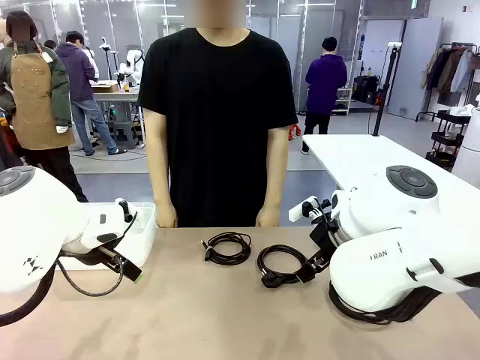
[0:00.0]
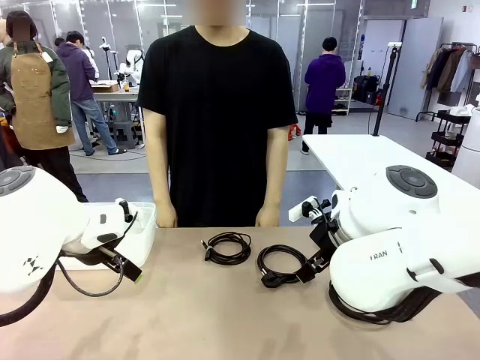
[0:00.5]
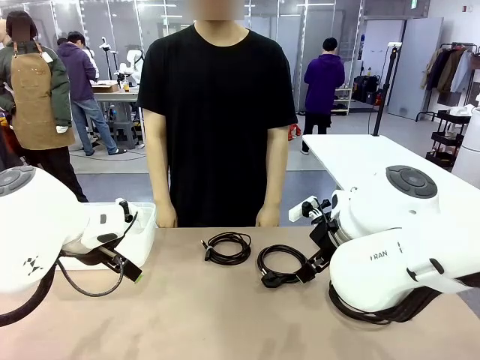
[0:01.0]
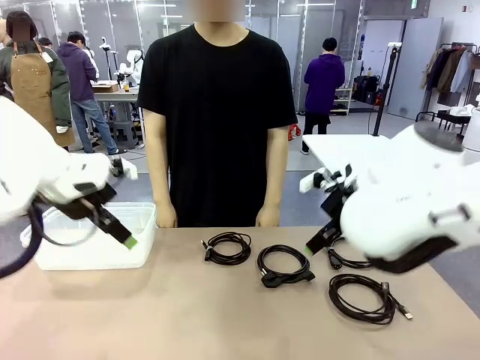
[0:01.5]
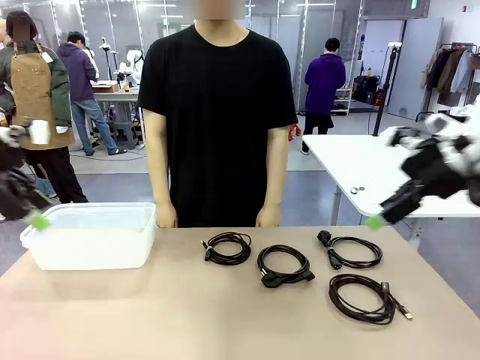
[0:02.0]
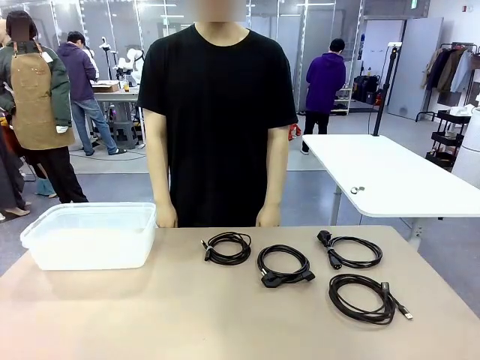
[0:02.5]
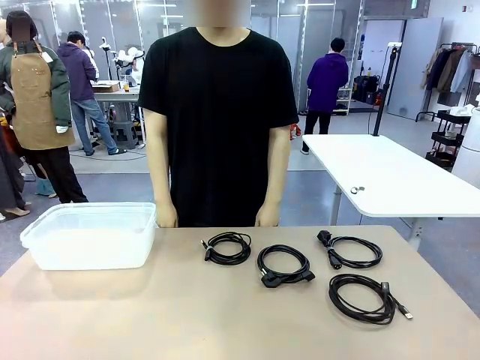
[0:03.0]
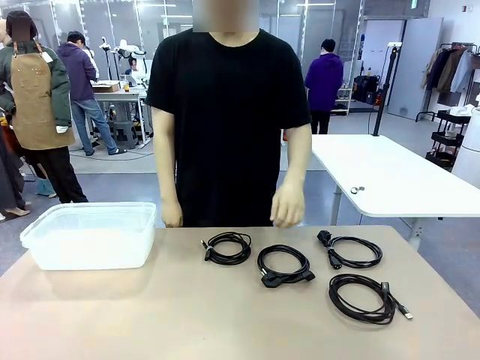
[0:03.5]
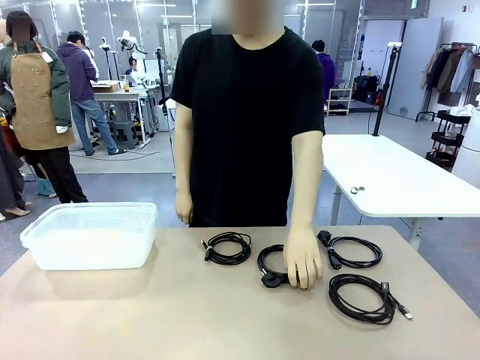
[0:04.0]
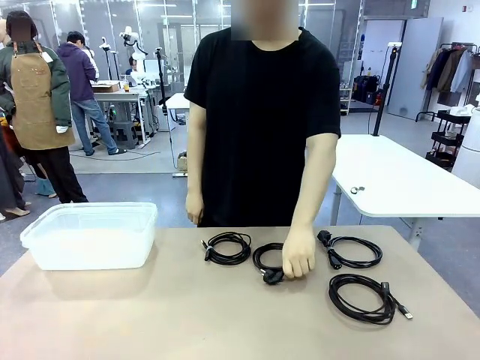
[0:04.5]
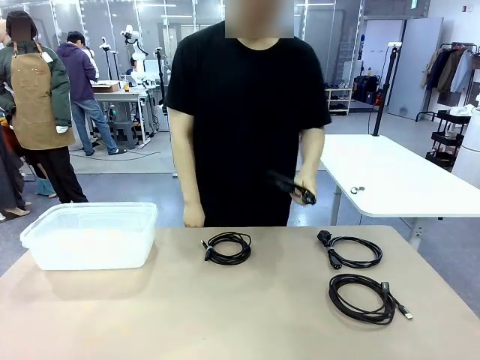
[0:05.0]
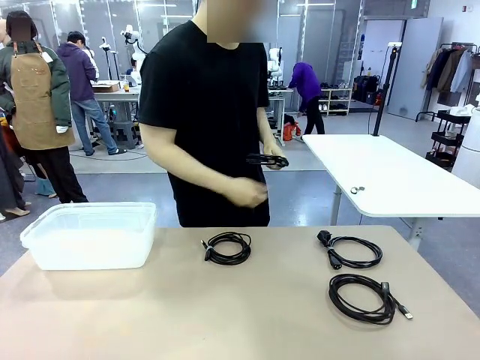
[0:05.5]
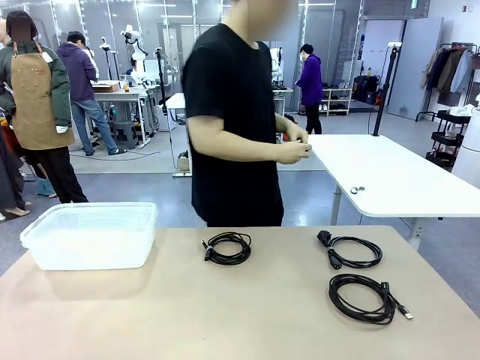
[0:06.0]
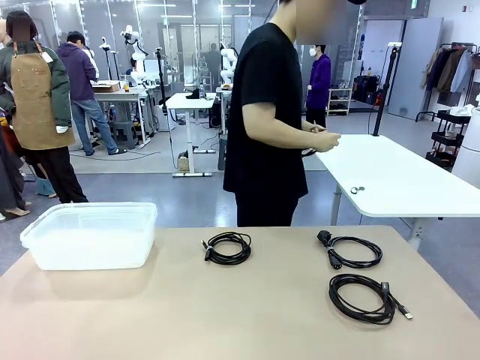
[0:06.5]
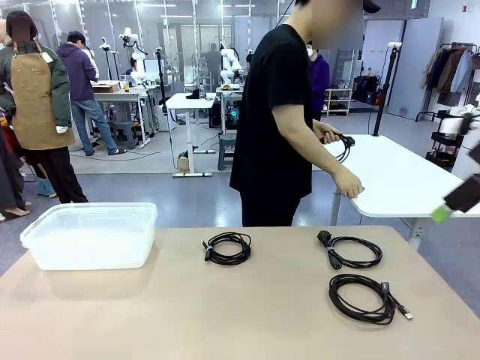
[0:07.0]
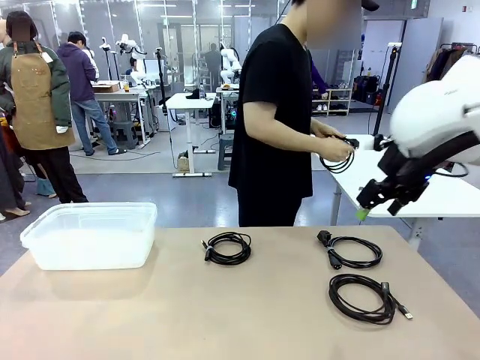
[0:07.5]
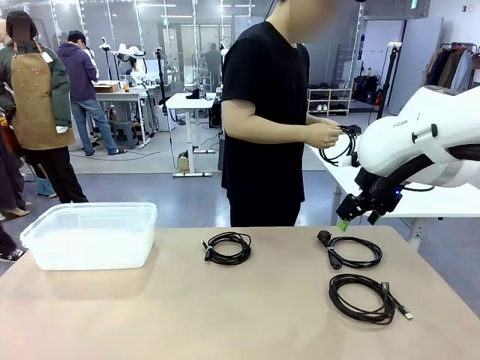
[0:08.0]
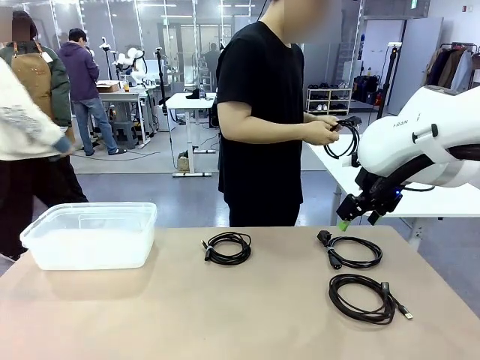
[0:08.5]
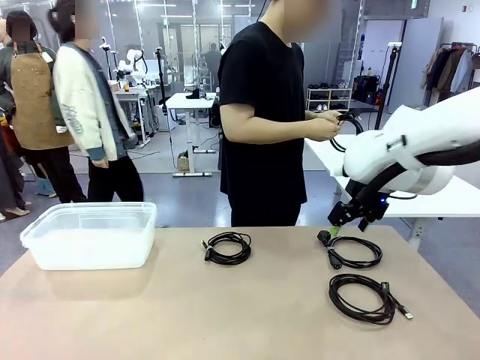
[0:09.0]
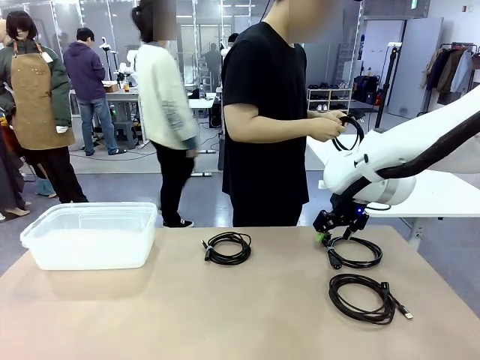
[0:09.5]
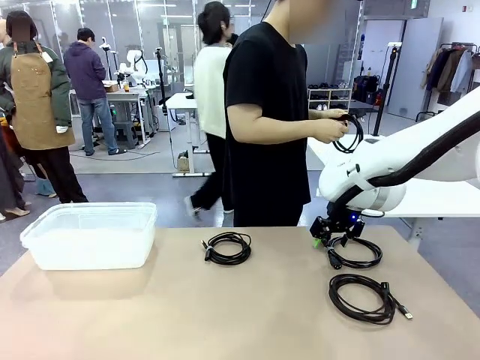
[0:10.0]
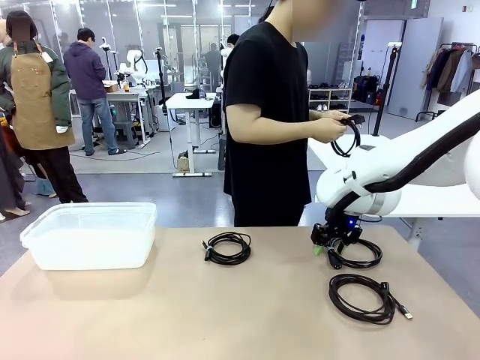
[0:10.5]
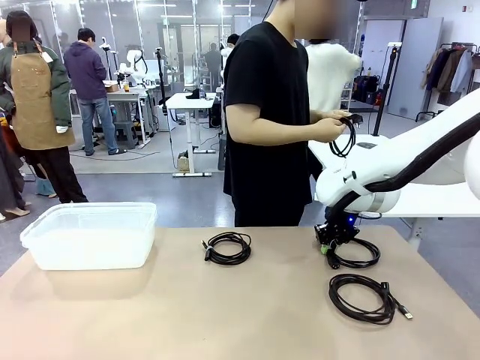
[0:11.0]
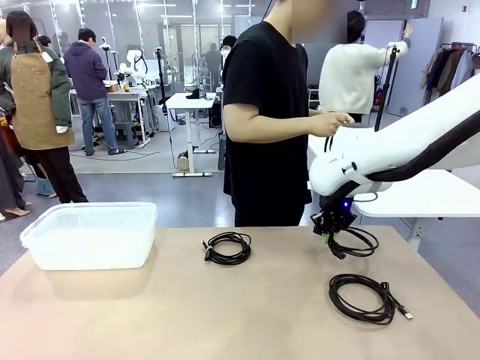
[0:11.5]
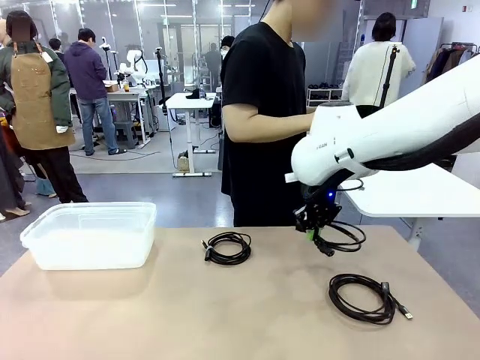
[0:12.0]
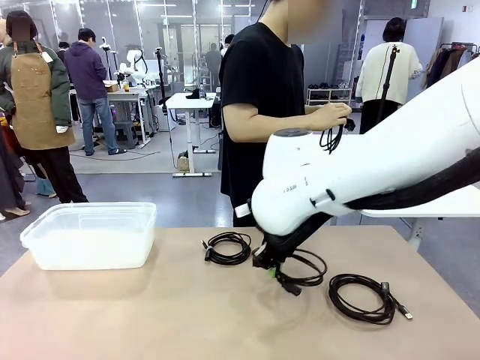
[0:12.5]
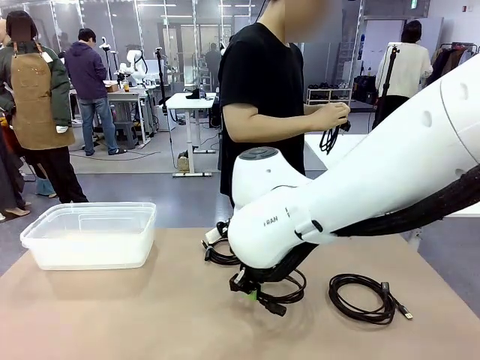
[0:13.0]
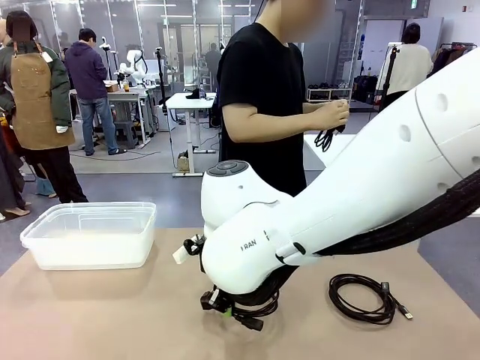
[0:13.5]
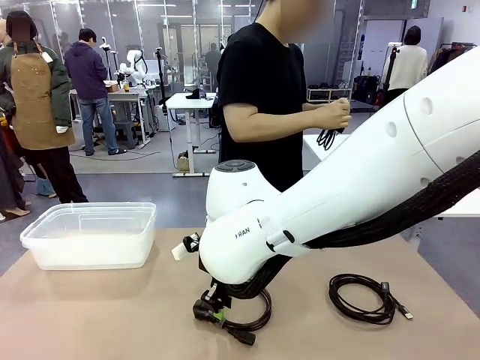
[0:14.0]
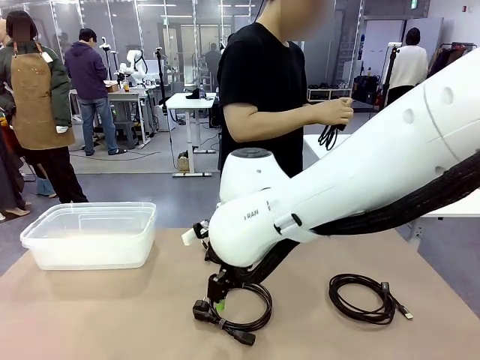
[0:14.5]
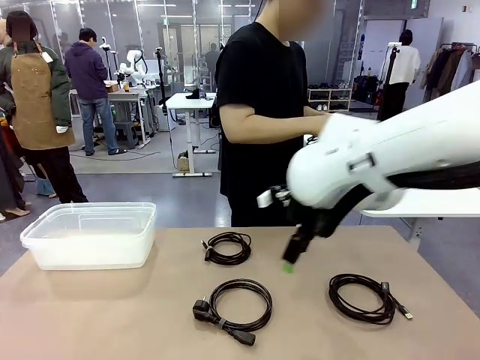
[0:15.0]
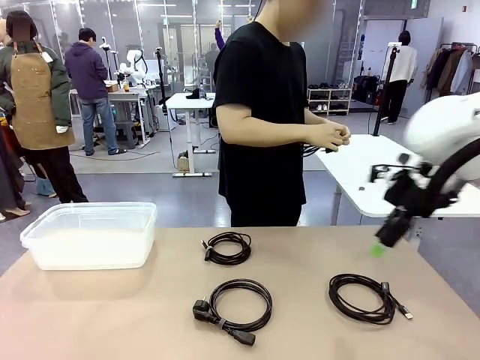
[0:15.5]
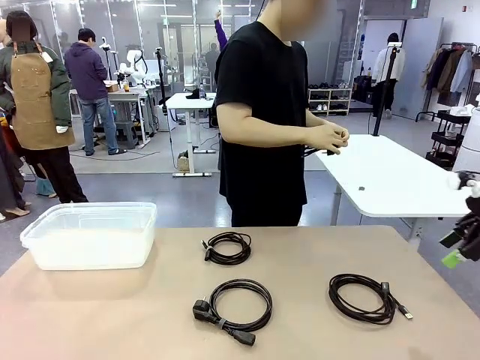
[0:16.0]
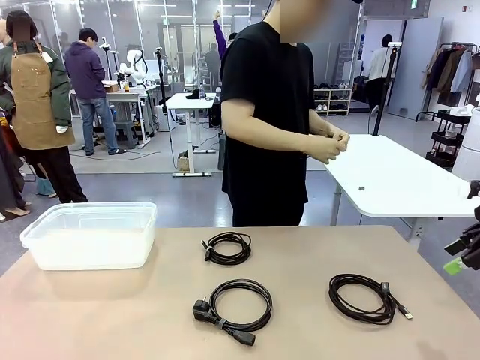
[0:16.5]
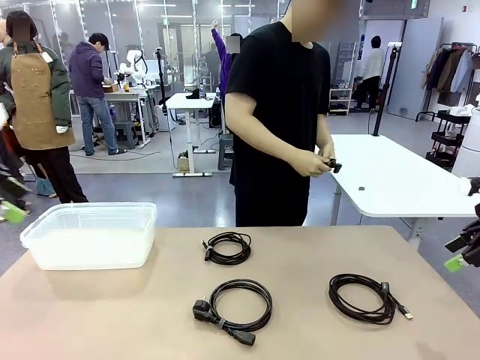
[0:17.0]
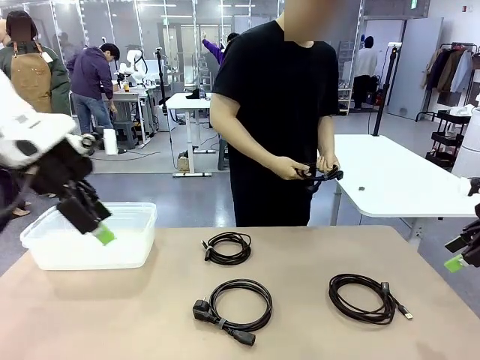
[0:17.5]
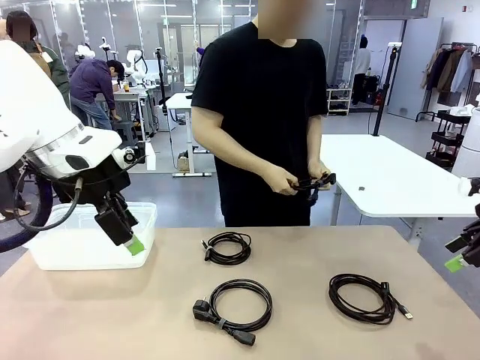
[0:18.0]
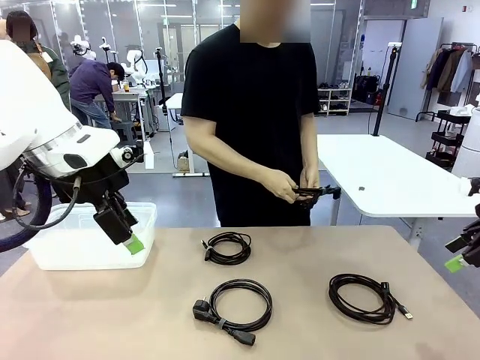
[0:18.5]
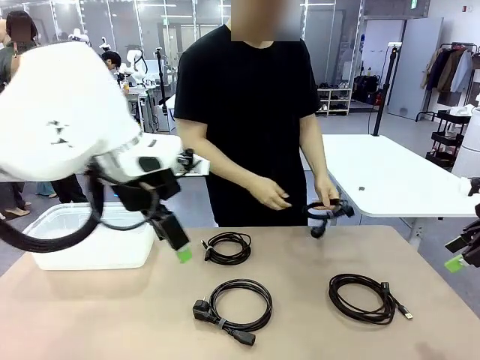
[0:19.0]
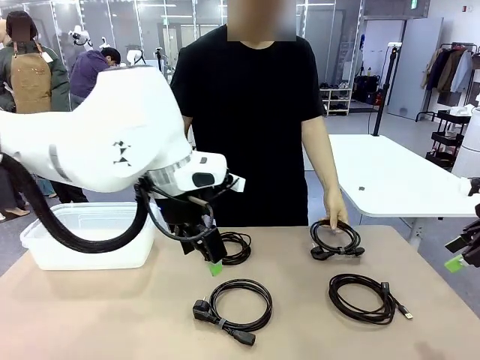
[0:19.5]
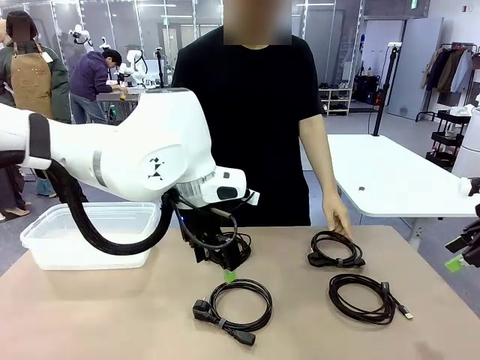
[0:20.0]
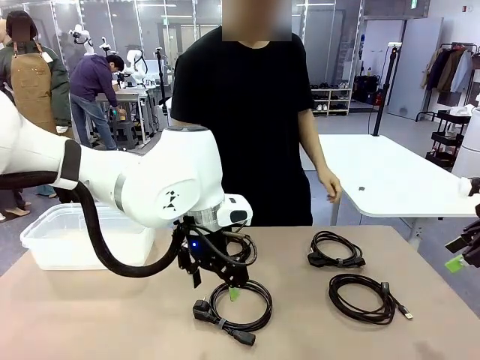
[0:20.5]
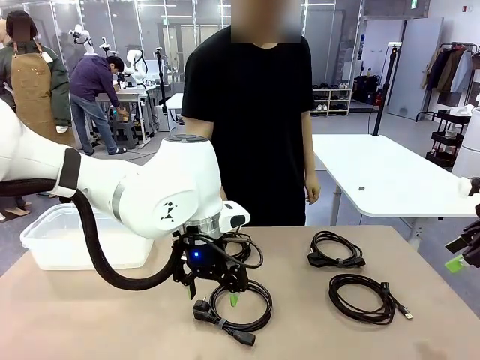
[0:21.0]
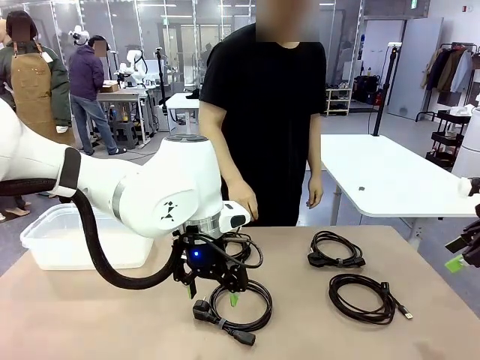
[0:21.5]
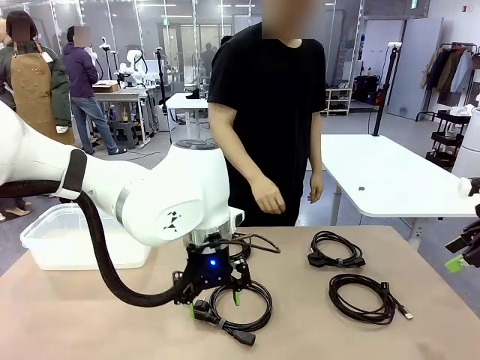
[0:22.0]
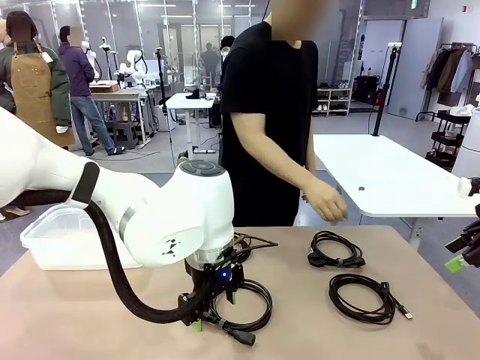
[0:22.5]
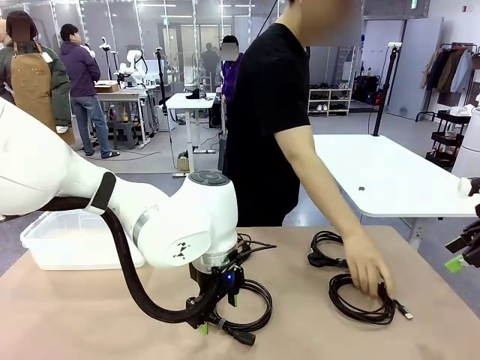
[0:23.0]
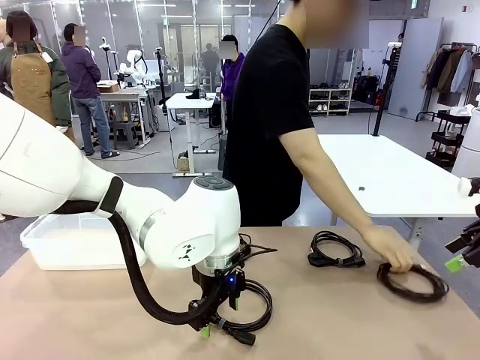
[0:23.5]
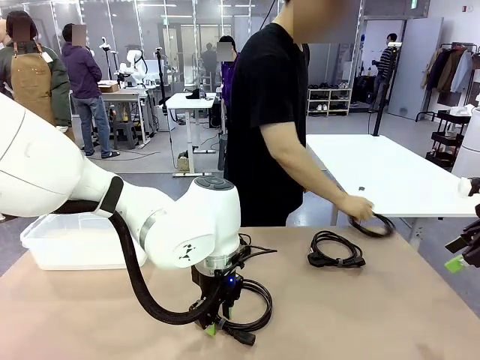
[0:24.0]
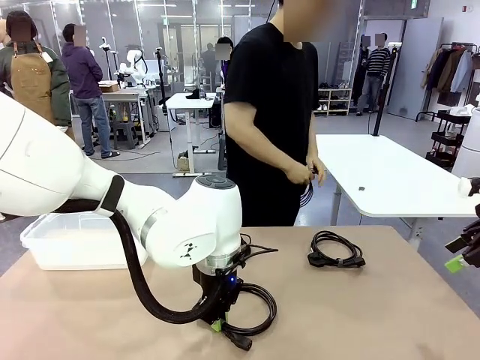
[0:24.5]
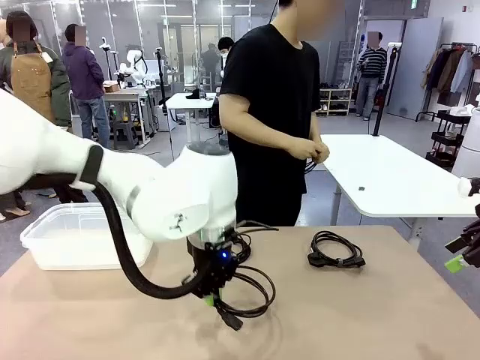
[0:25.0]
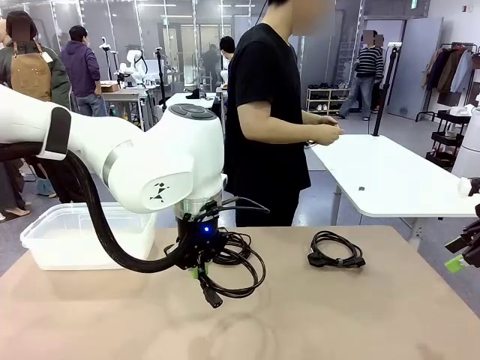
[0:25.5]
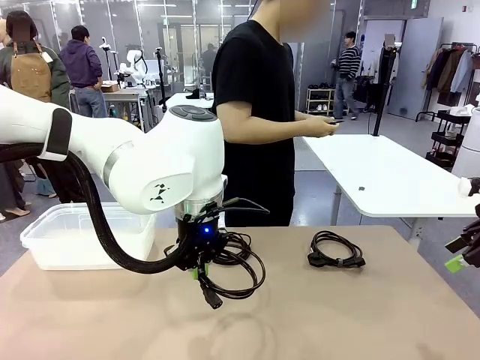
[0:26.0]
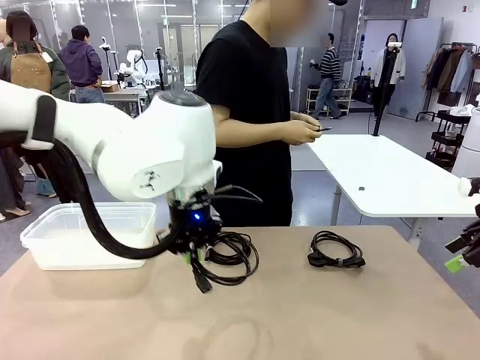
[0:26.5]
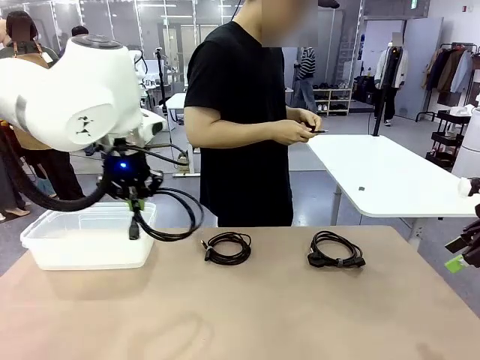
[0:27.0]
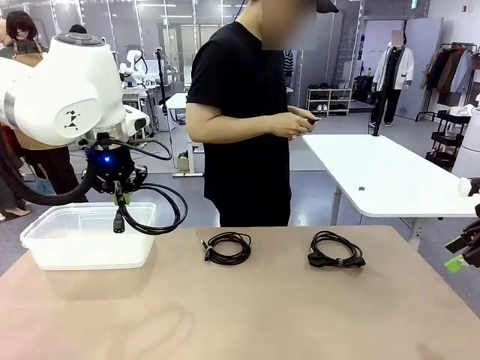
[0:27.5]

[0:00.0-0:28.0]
Task: Organize and store the cables.
Robot: Place the Power Cable into the Organizing box.
Person: Tie one Power Cable with a Reusable Cable Tie.
